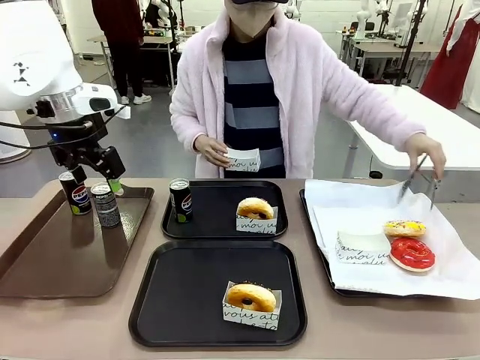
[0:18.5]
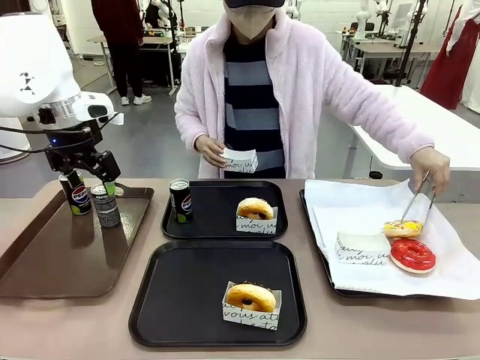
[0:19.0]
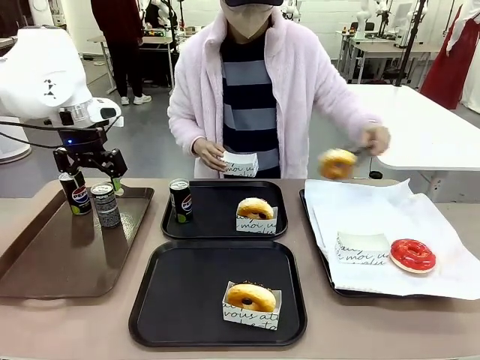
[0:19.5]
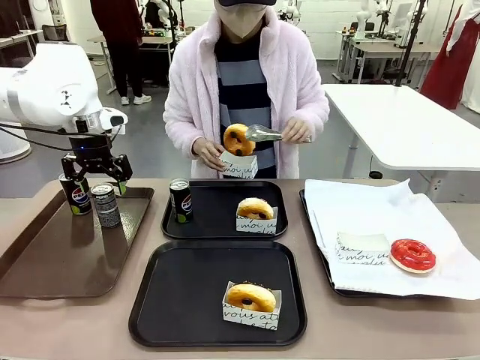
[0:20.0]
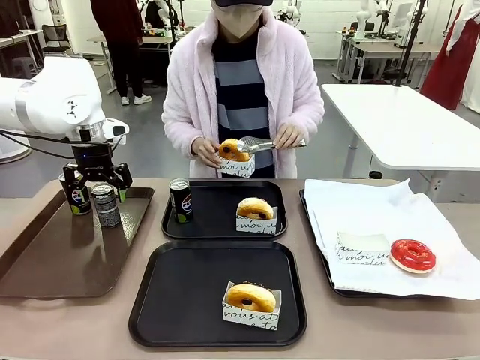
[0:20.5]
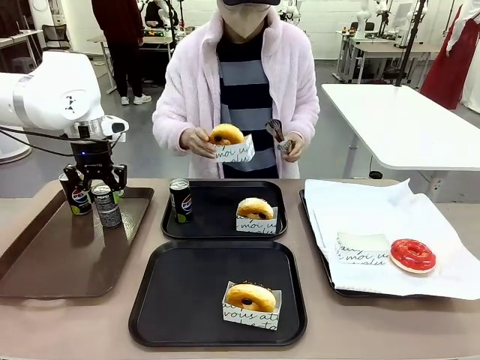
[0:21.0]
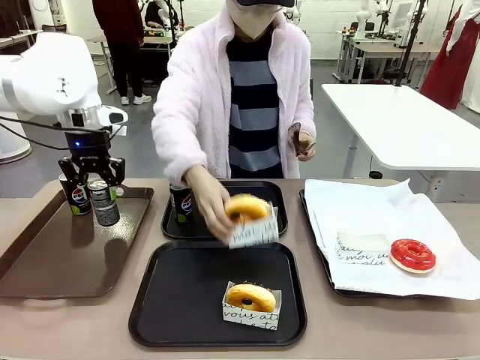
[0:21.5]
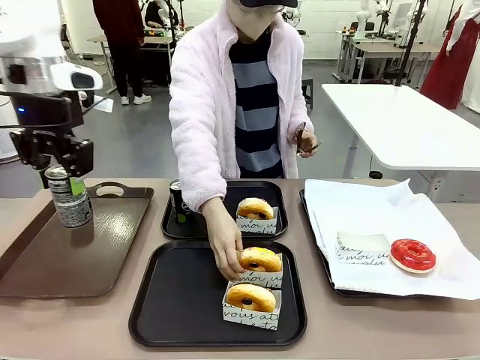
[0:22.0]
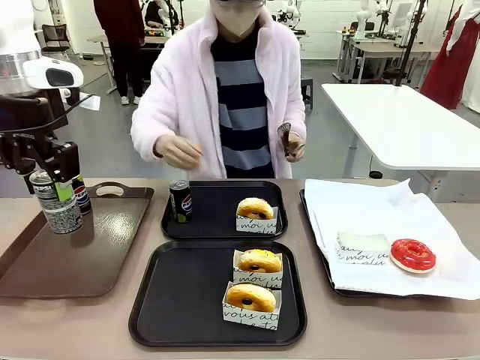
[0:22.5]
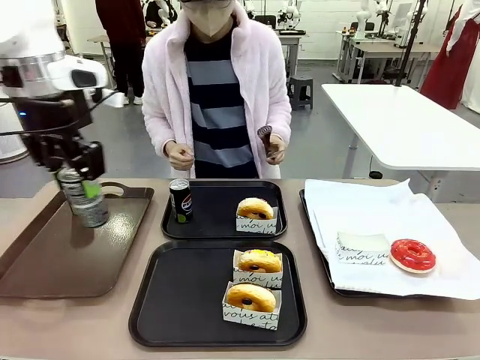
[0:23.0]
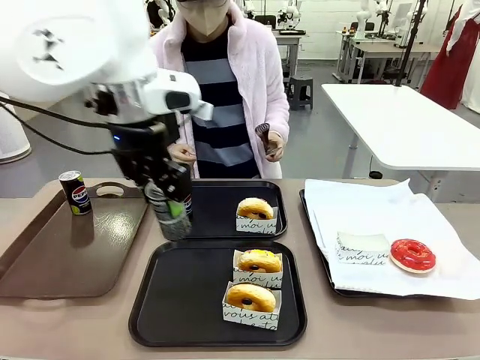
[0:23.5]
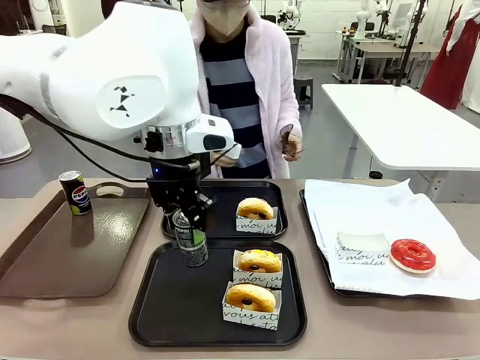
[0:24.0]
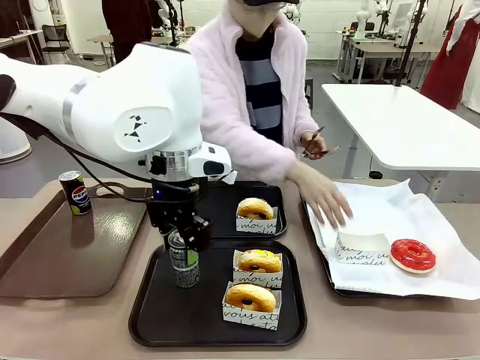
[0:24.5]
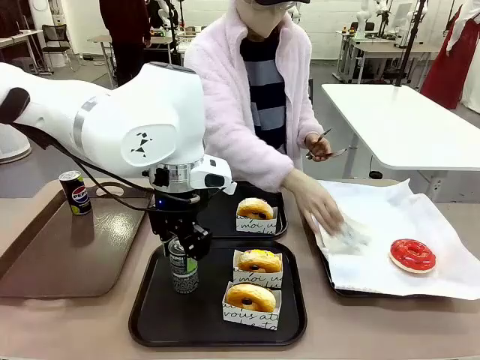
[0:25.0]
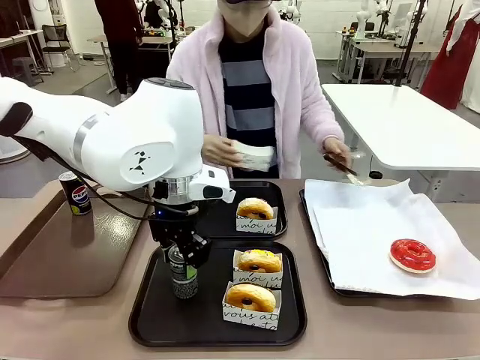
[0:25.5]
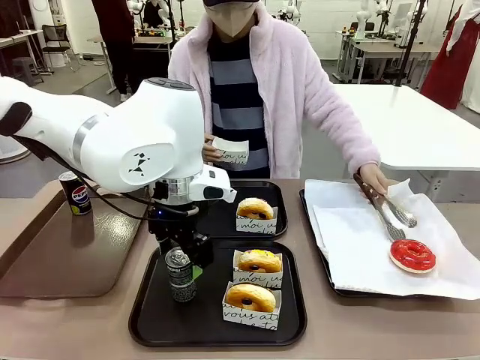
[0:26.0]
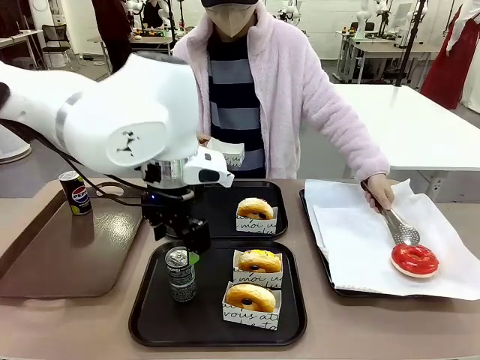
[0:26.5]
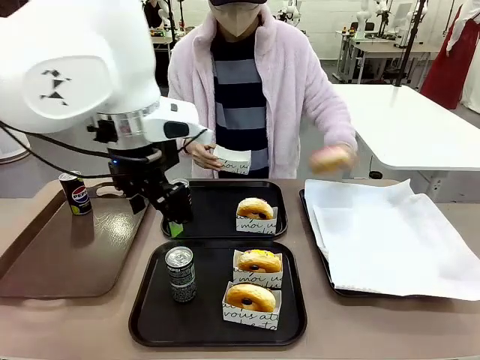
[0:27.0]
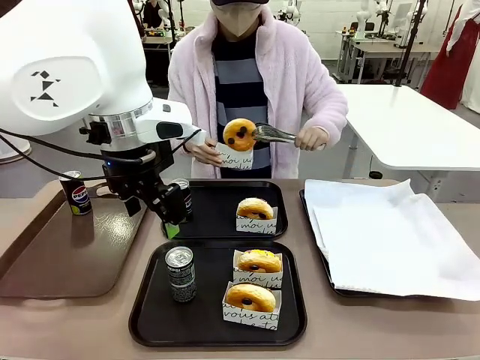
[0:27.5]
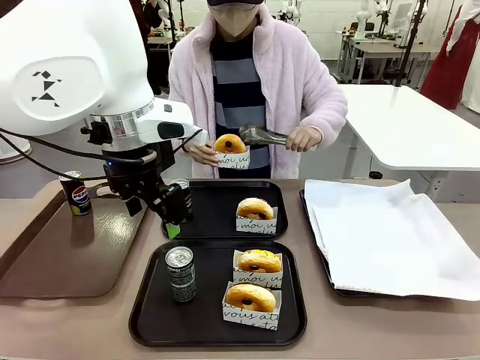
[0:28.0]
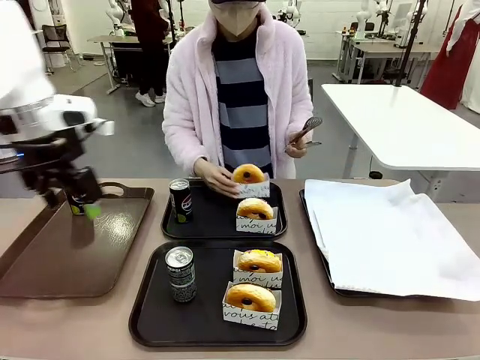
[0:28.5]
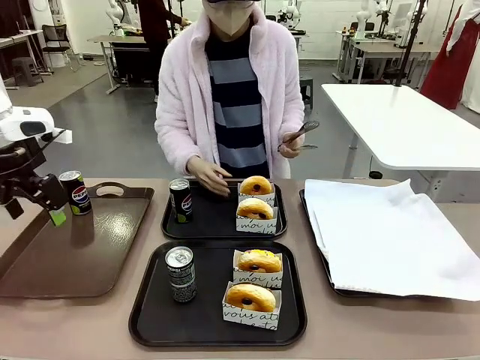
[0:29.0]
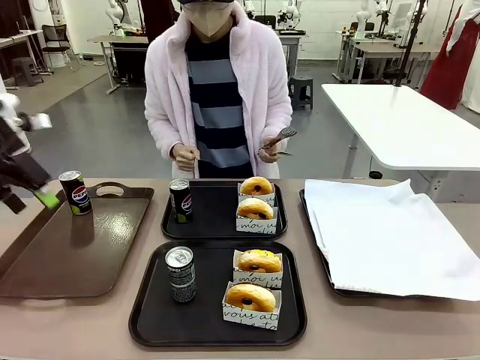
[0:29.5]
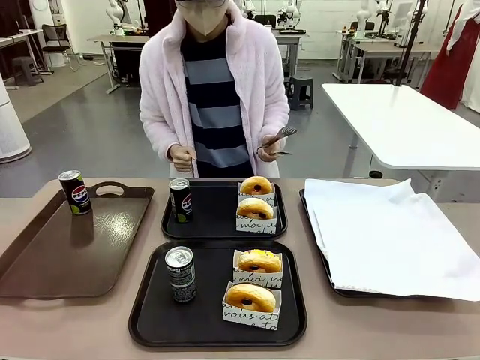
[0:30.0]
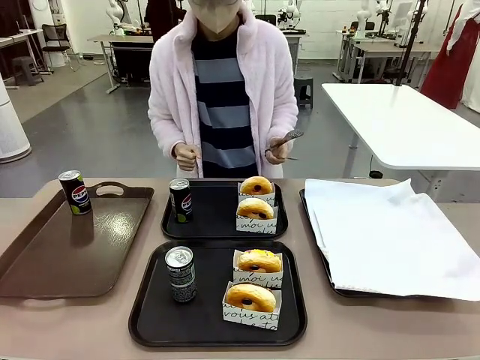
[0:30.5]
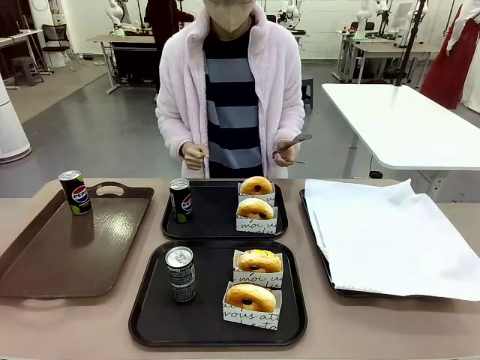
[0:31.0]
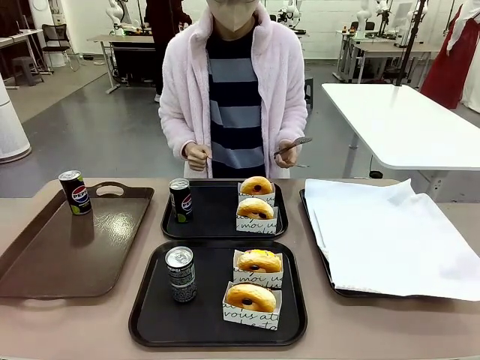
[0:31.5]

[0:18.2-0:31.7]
Task: Set up donuts and drinks on trays.
Robot: Pick up one Pepsi coke from the Handle tray and place it on the Flat Tray without a Pepsi coke.

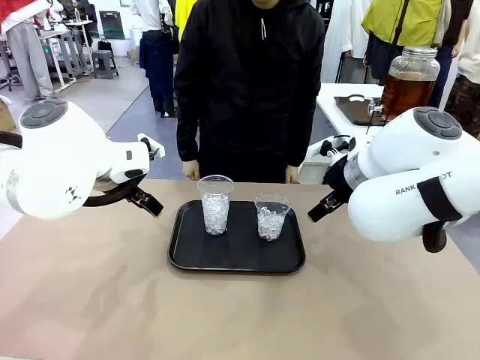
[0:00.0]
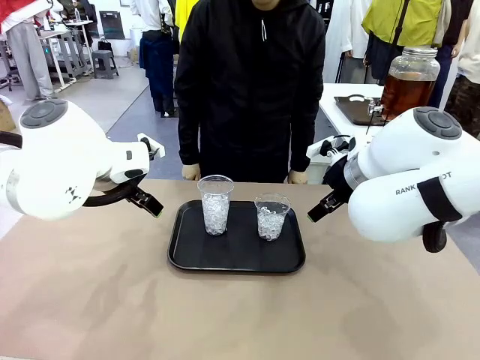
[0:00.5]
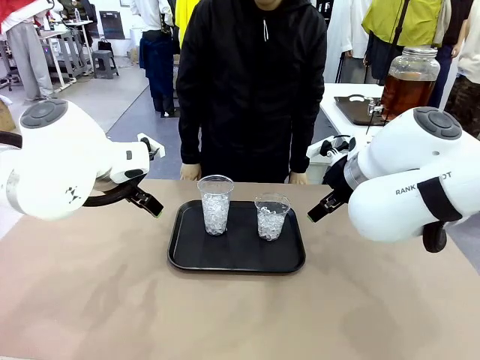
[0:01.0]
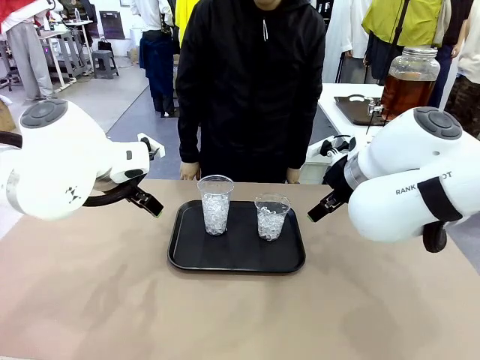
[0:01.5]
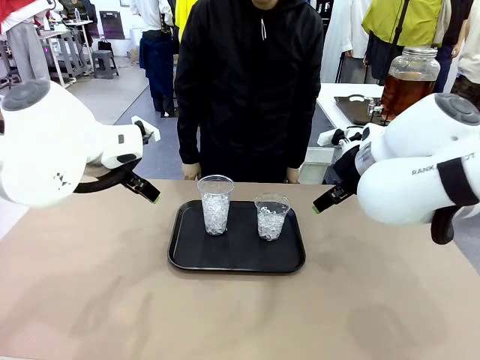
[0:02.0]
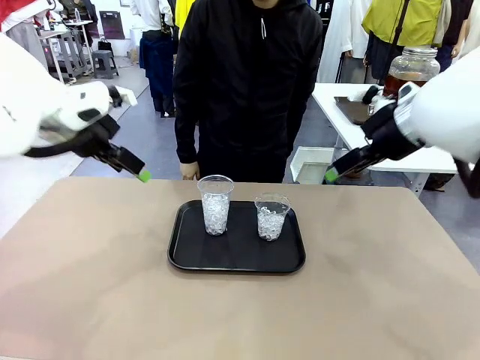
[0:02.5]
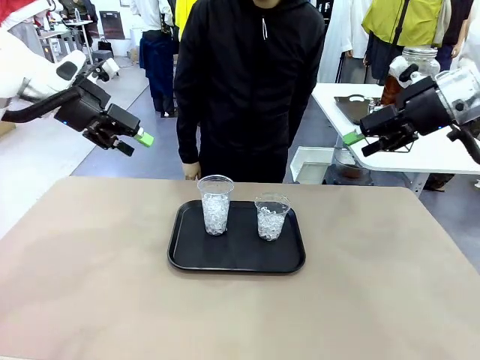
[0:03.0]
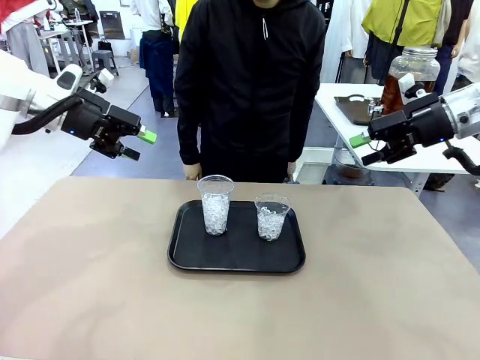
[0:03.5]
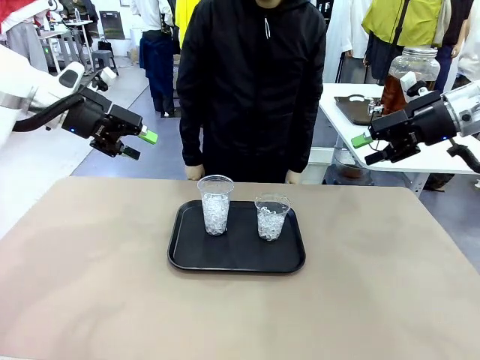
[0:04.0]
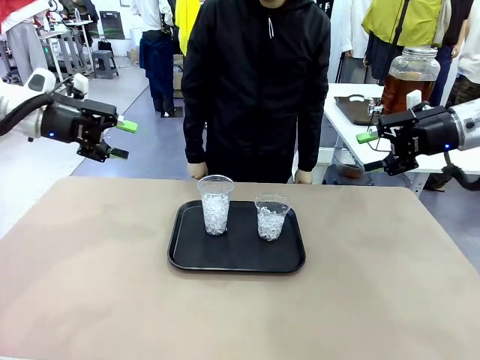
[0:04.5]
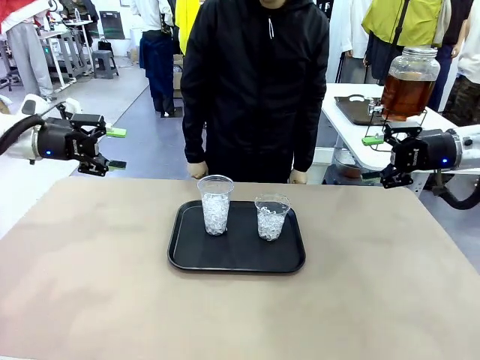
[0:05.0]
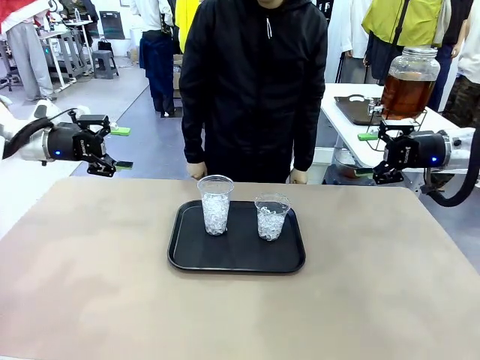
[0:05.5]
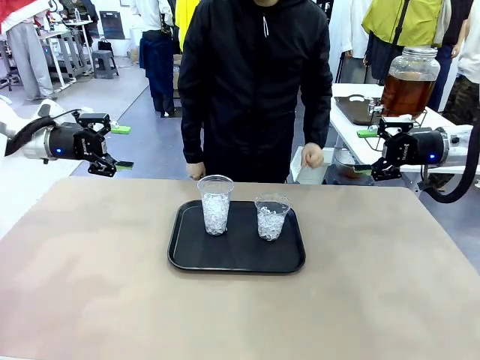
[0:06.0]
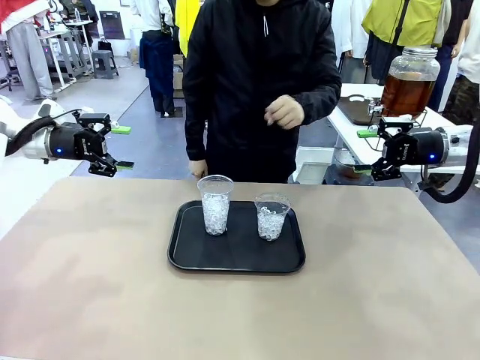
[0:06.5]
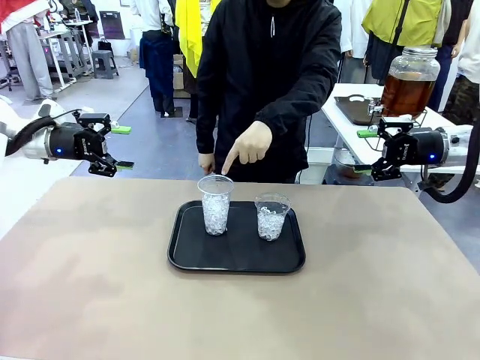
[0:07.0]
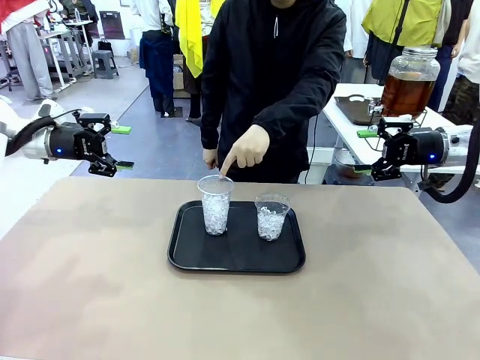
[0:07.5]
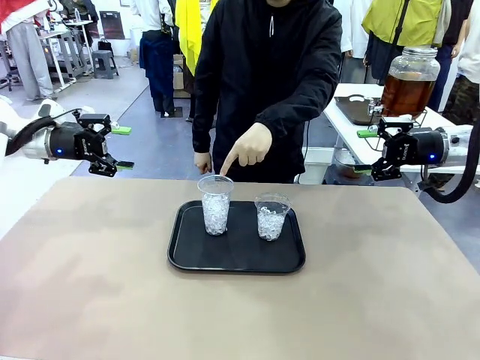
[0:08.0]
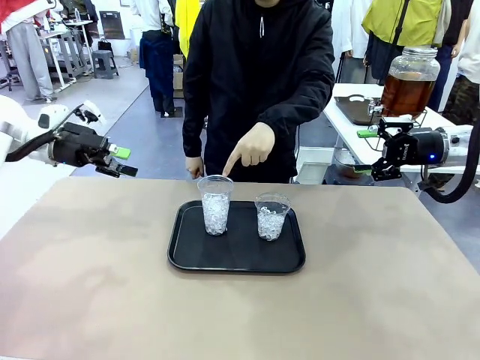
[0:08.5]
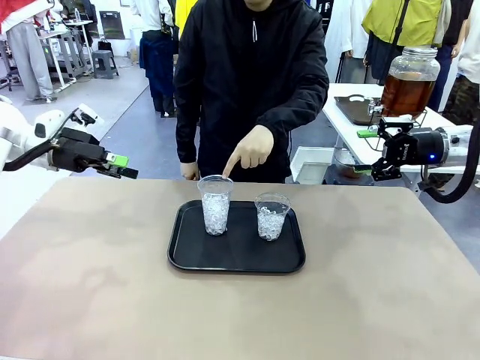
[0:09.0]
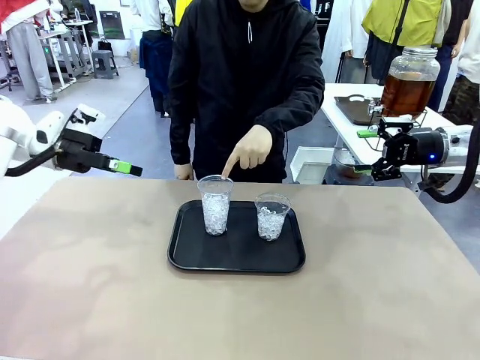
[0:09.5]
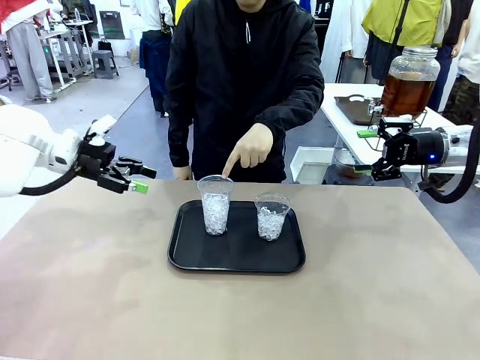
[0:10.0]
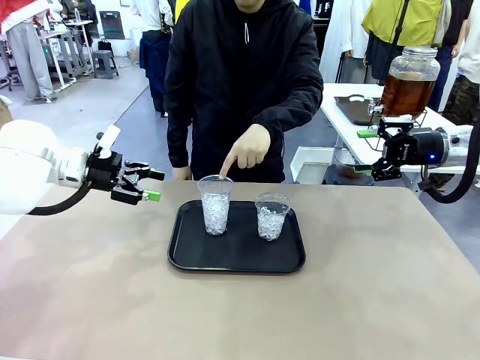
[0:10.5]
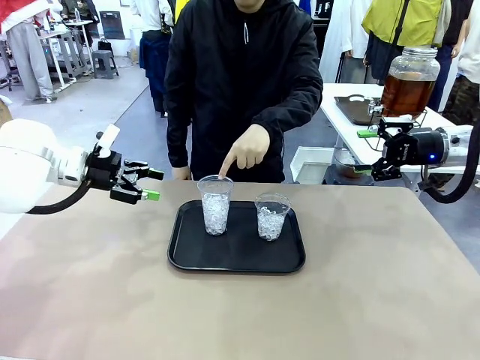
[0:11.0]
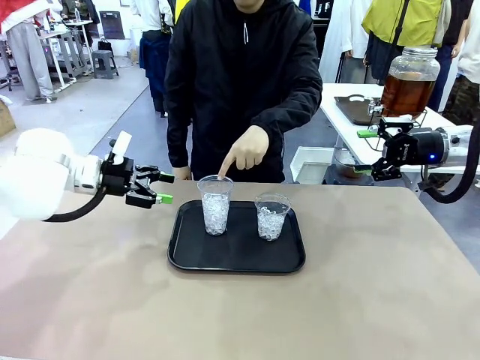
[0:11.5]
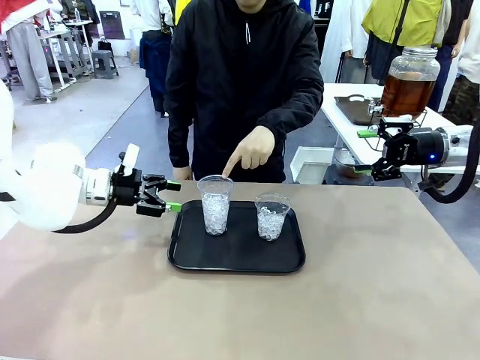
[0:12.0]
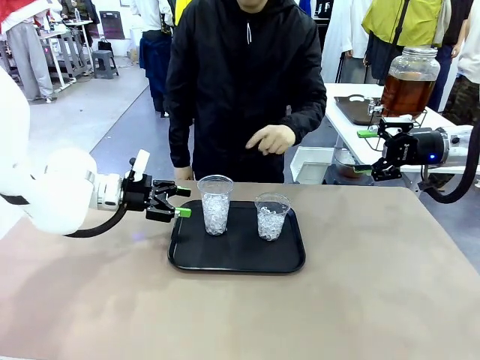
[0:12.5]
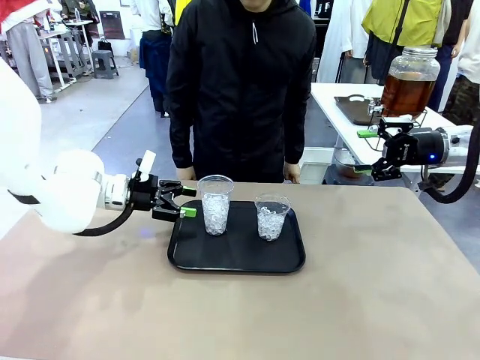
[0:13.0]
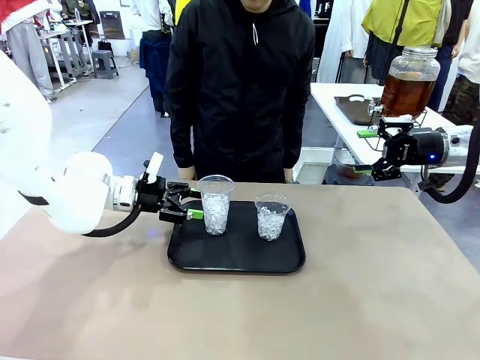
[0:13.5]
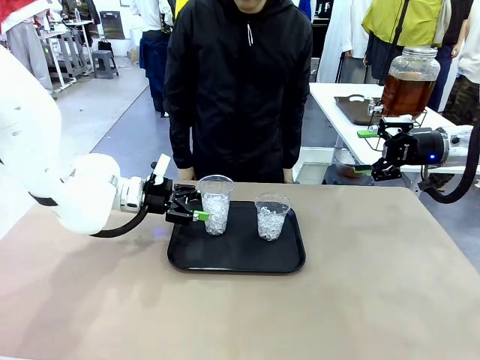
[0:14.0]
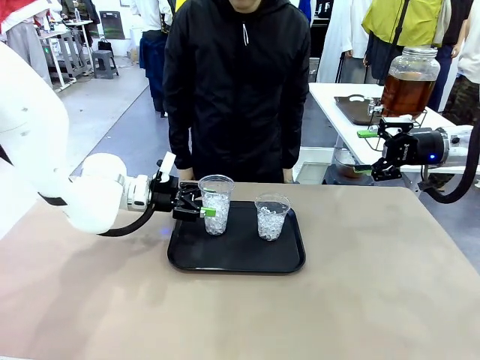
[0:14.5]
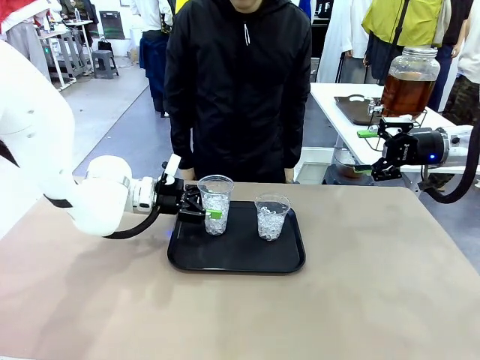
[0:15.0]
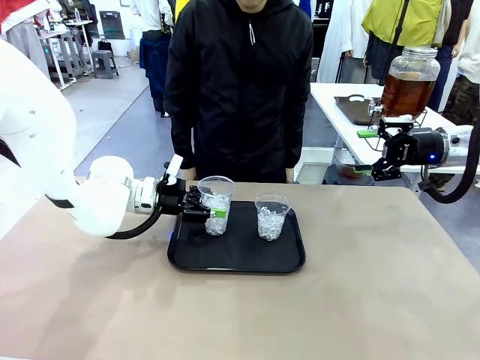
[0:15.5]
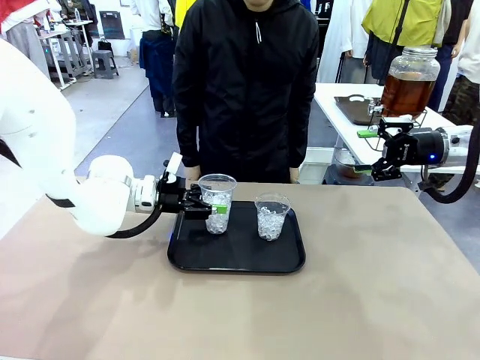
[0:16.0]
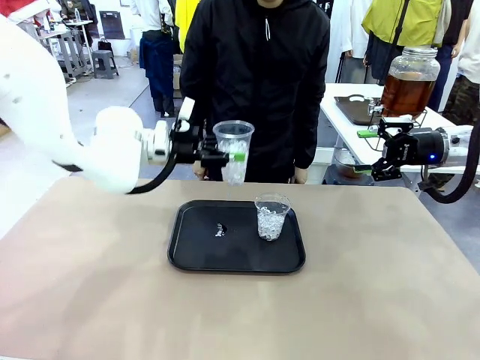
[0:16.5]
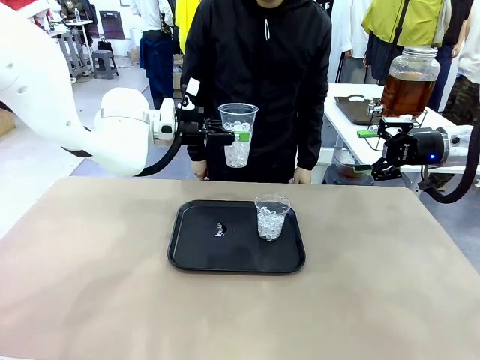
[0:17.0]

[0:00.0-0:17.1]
Task: Pour the drink into the iced cup.
Robot: Pick up the iced cup indicated by the human and present it to them.
Person: Point to one of the two ice cups. Pick up the cup offered by the robot.
